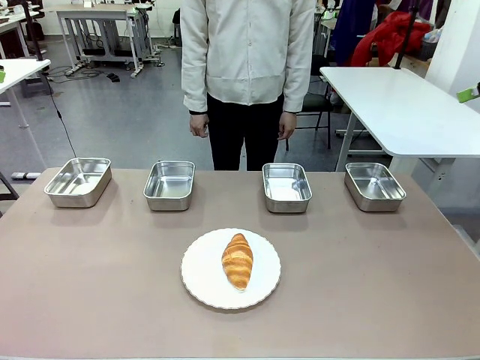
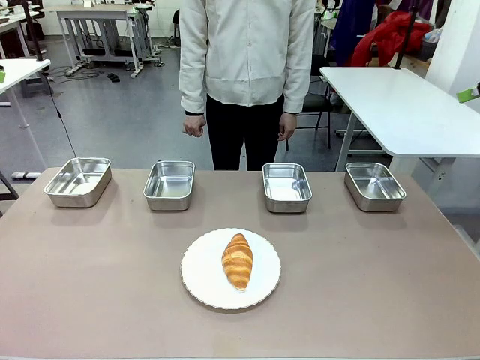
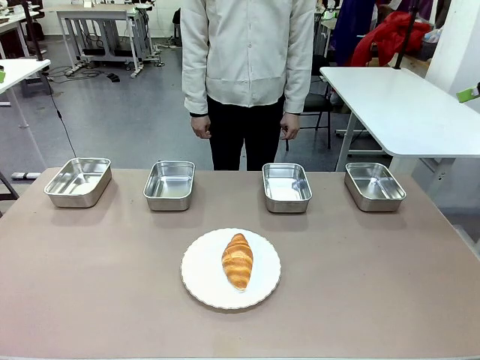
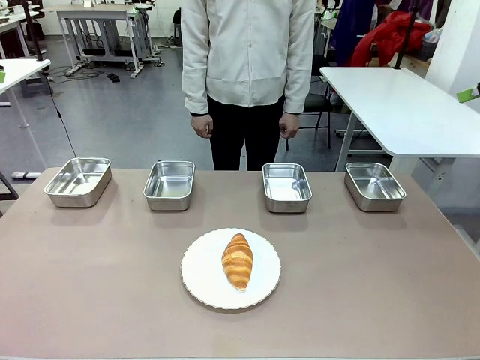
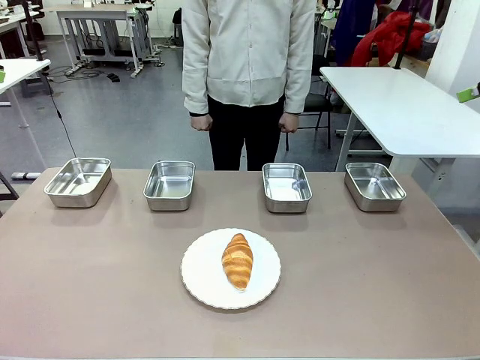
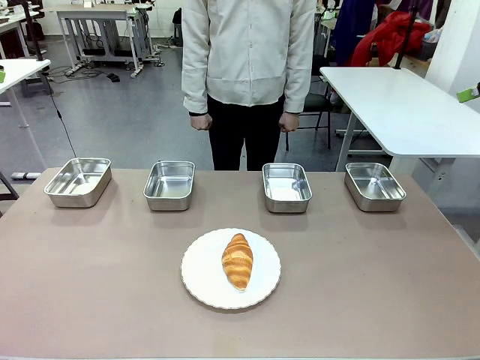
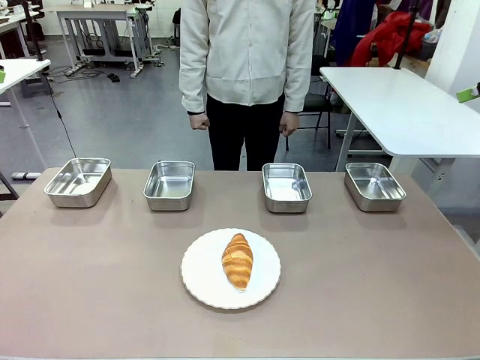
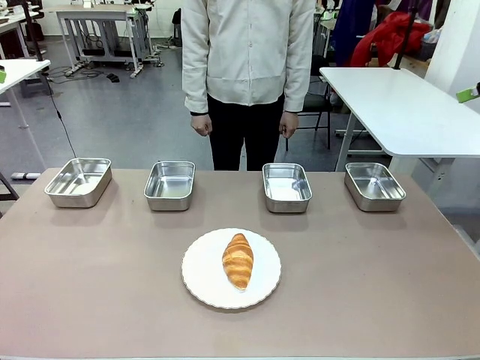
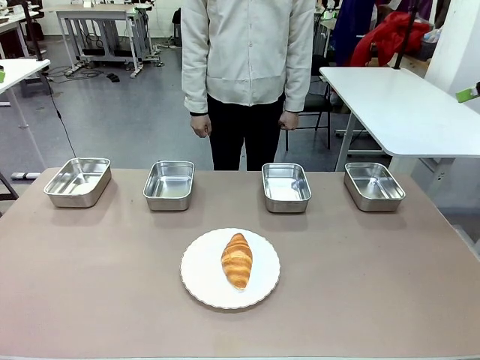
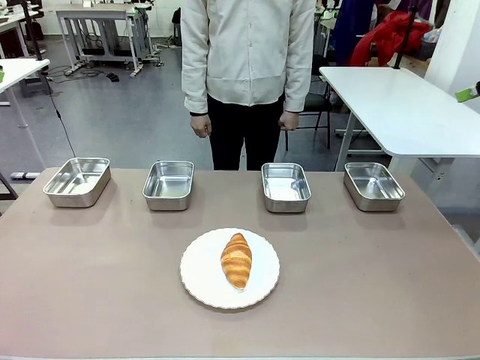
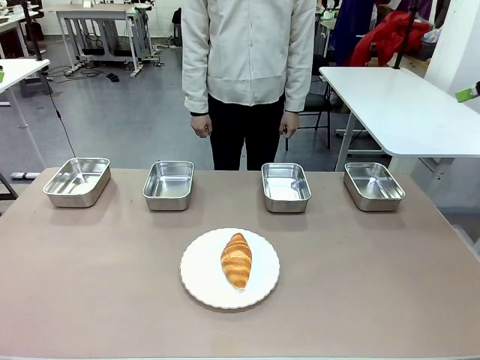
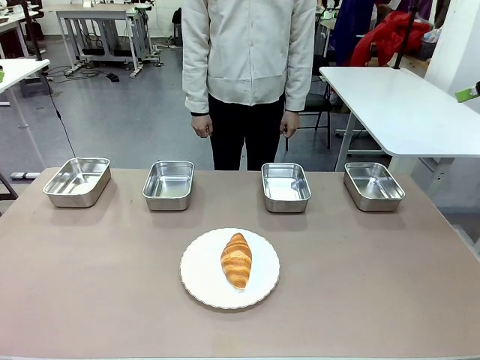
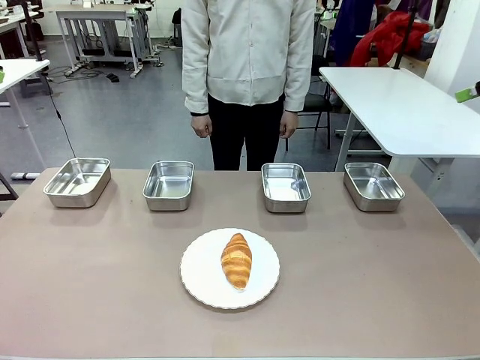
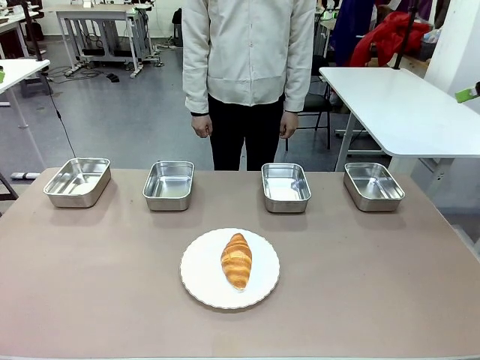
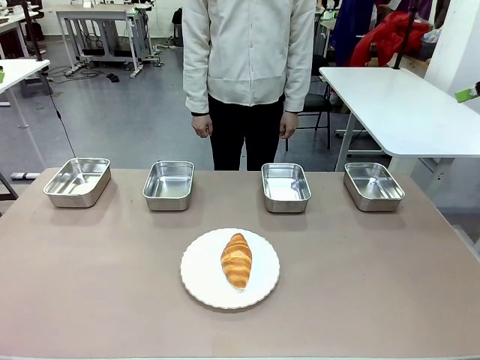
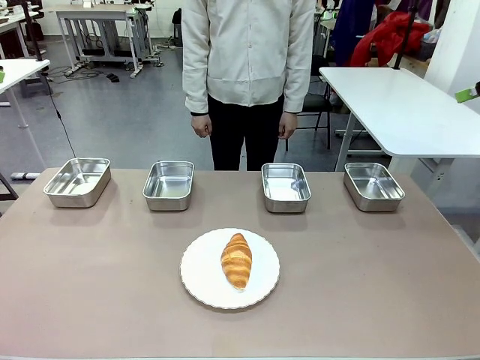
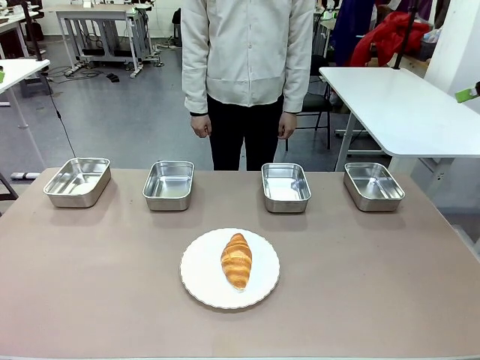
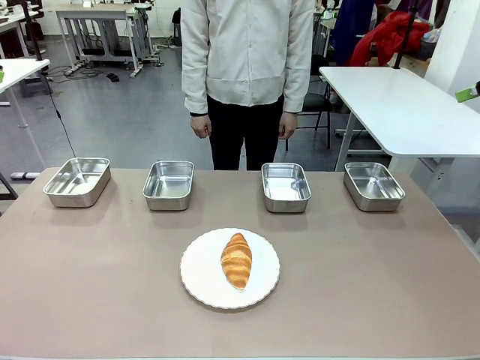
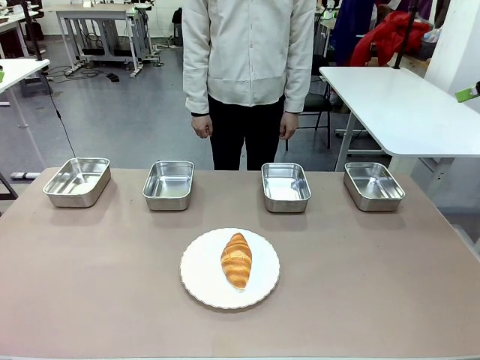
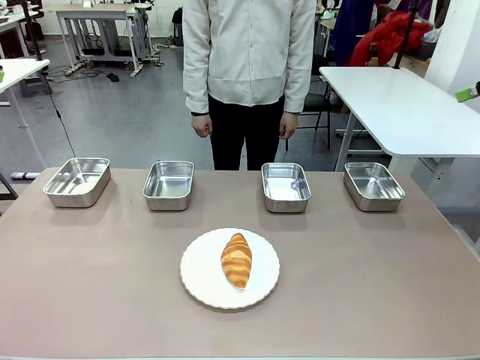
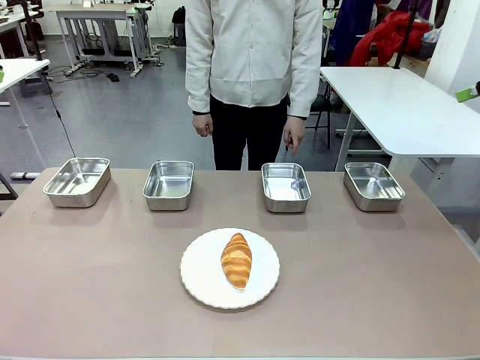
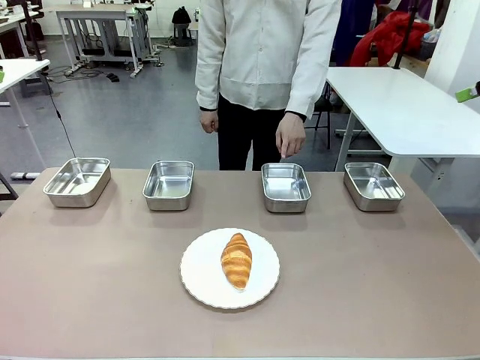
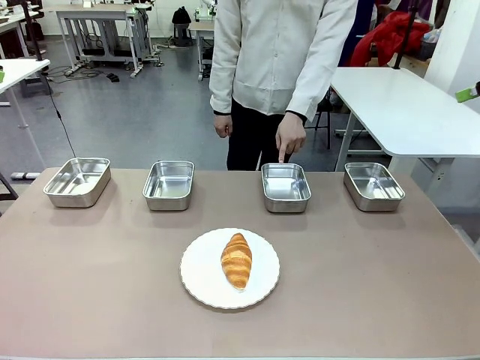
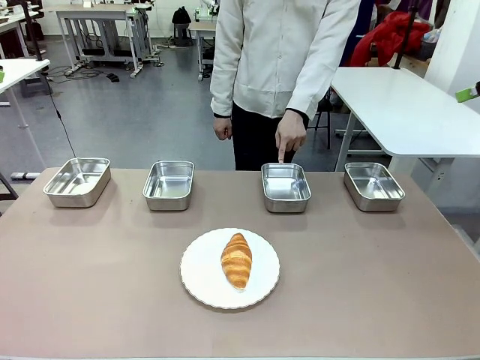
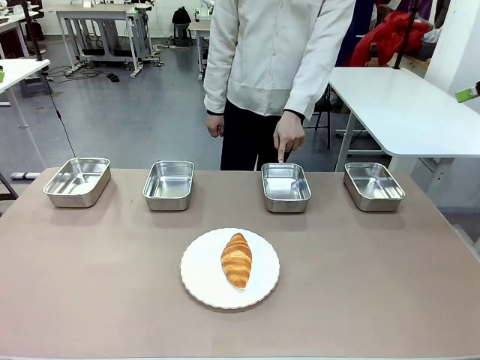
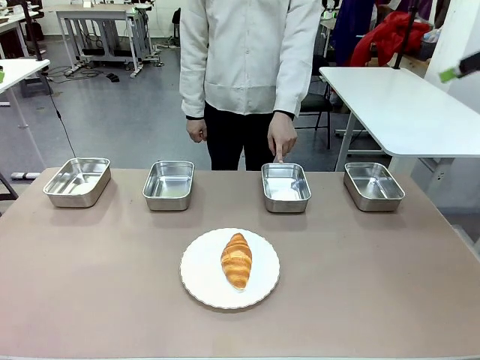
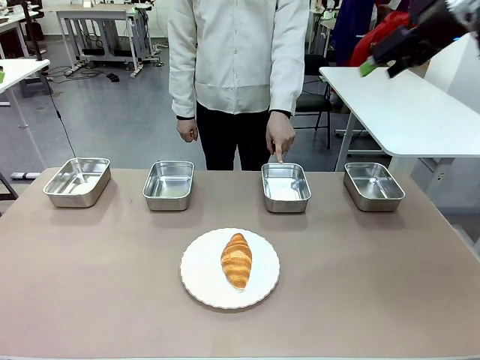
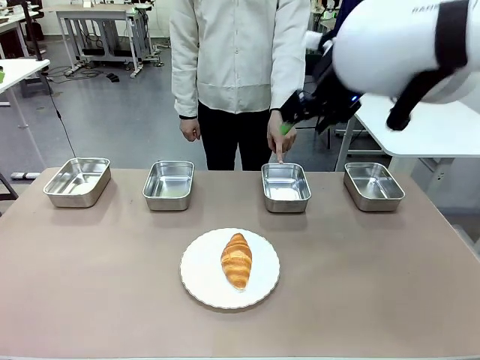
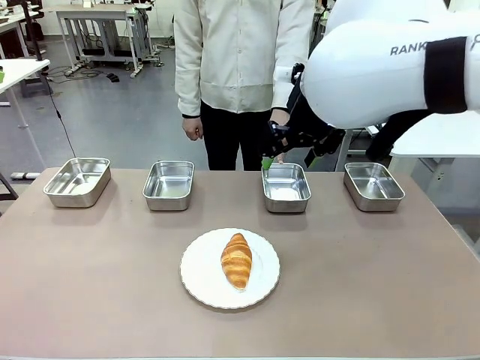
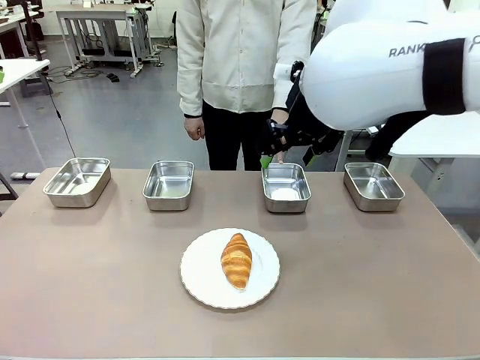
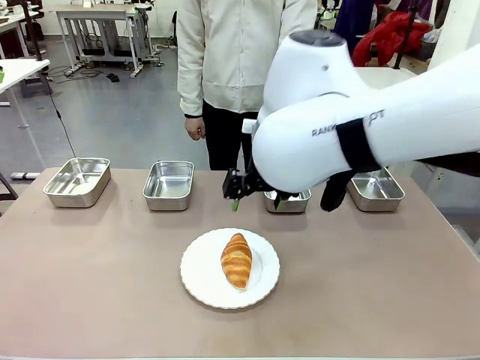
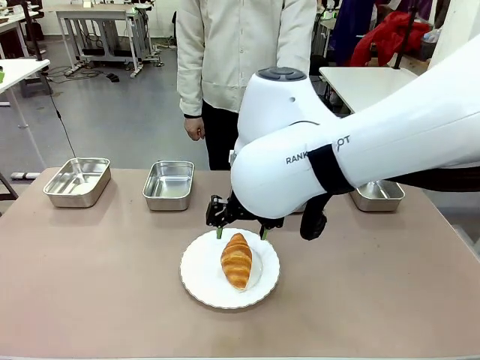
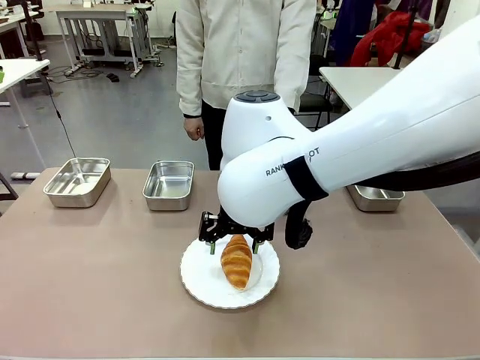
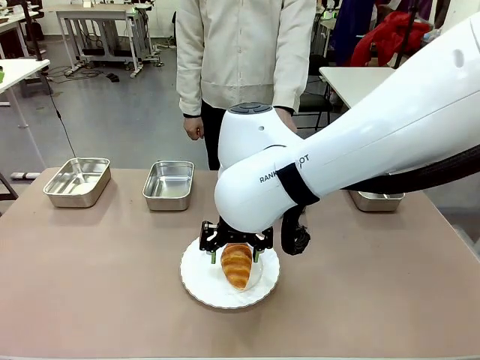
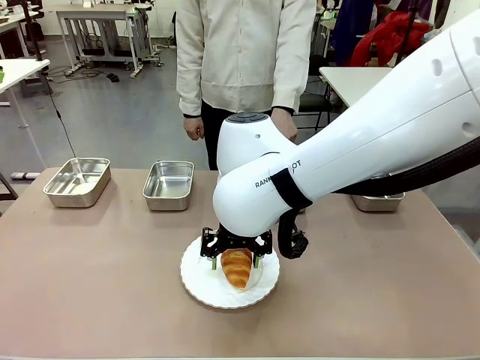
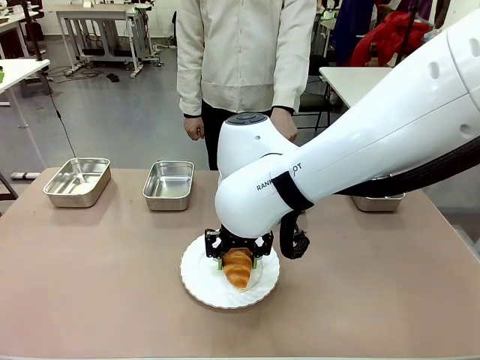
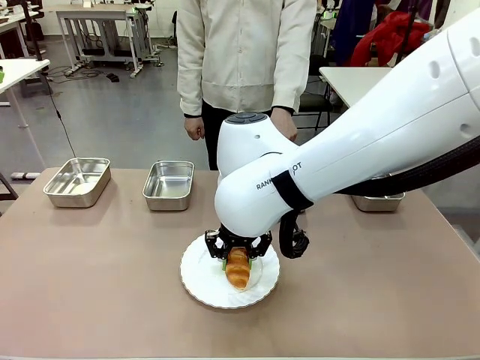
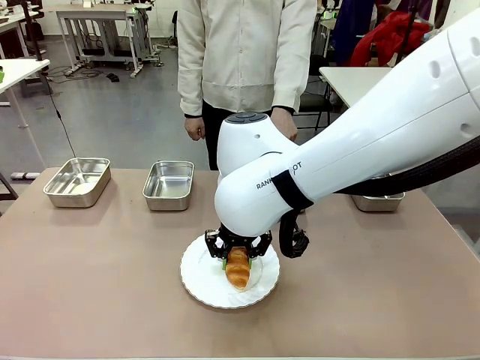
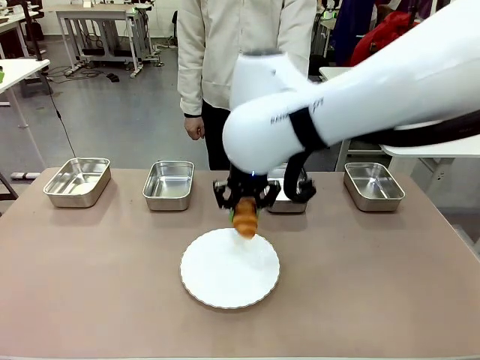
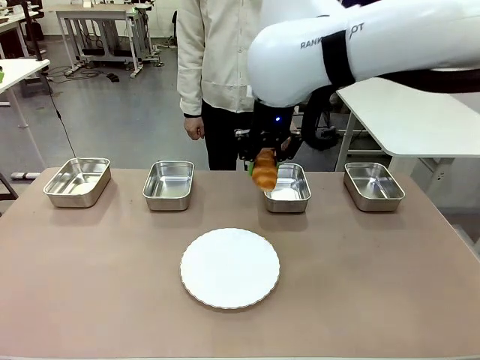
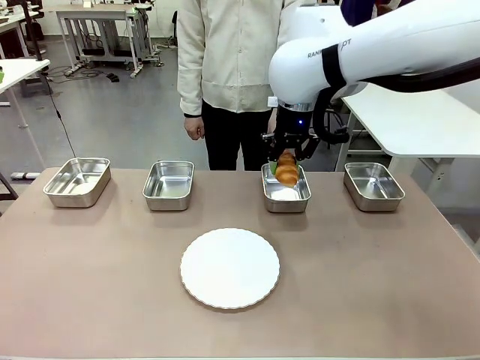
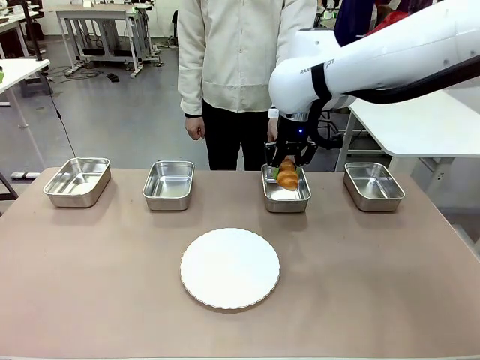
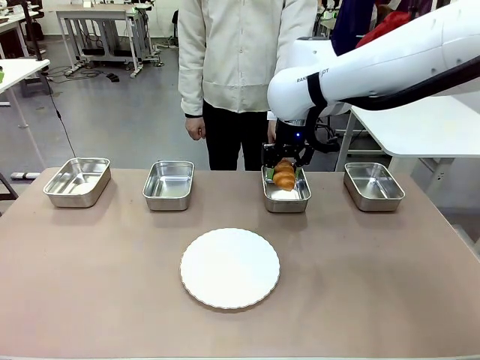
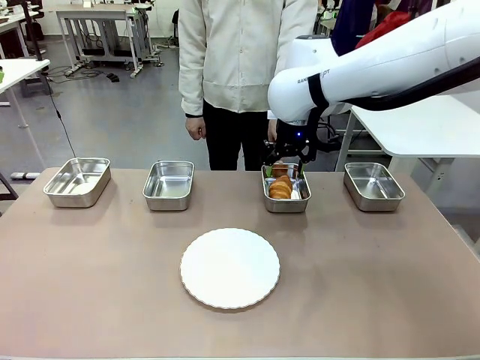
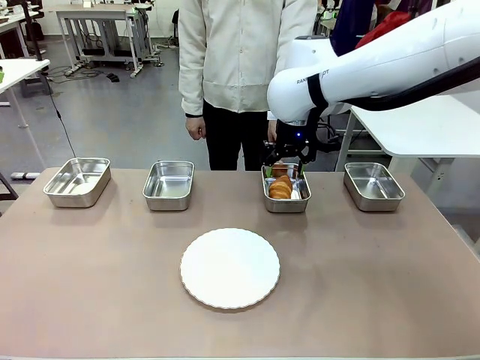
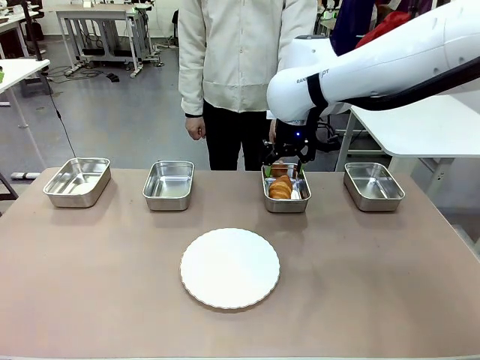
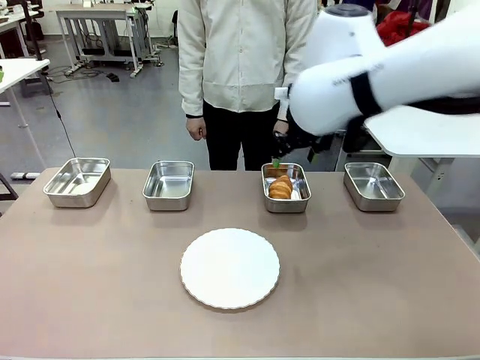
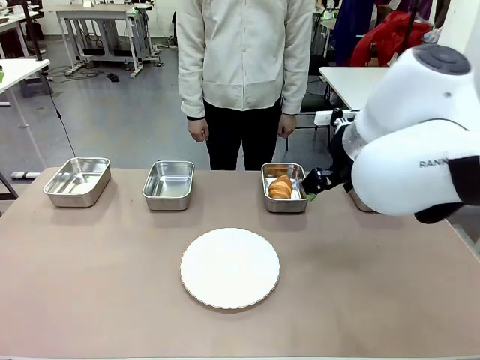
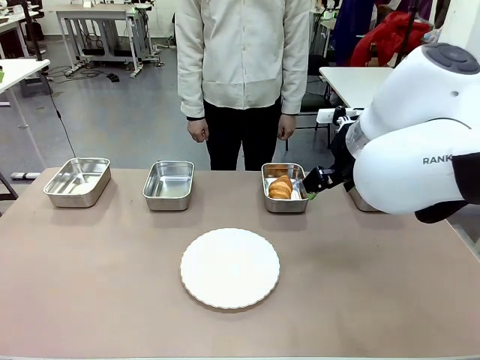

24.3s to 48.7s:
Task: Place the bread in the container.
Robot: Place the Butter Roll into the Airtight Container indicated by the human.
Person: A person randomly selects and points to an Airtight Container.
